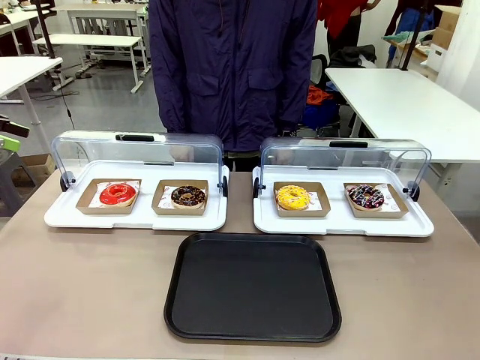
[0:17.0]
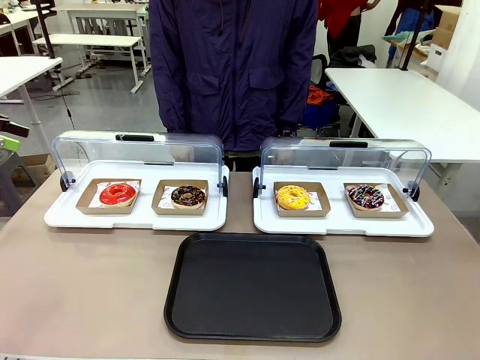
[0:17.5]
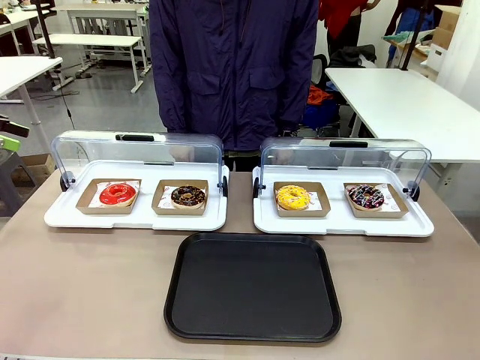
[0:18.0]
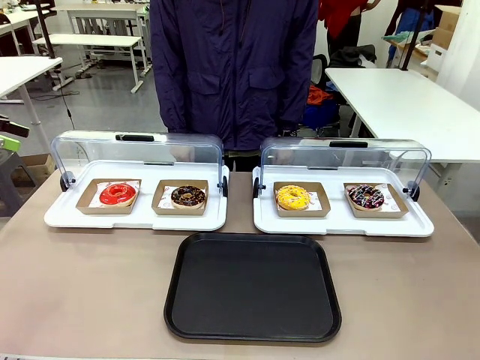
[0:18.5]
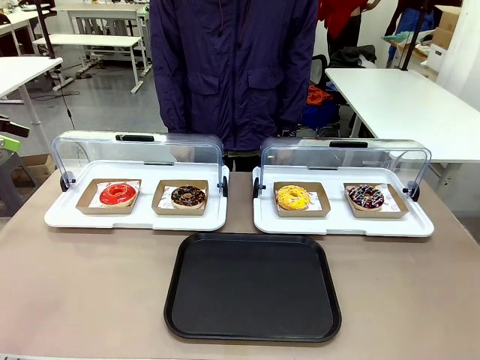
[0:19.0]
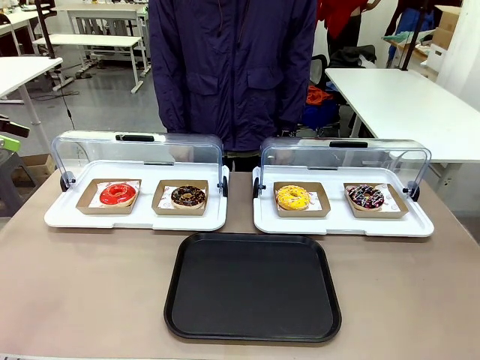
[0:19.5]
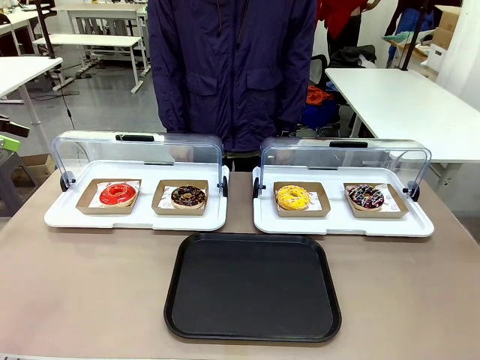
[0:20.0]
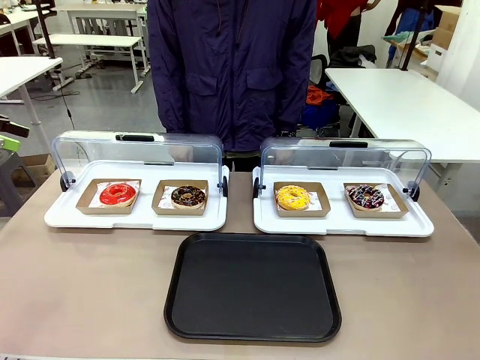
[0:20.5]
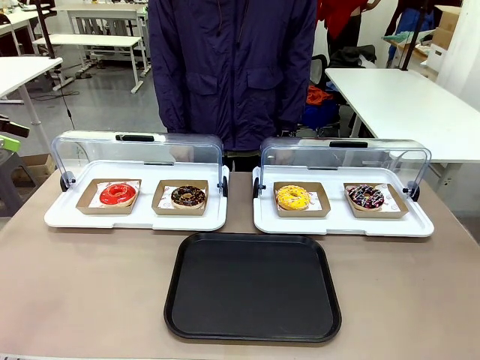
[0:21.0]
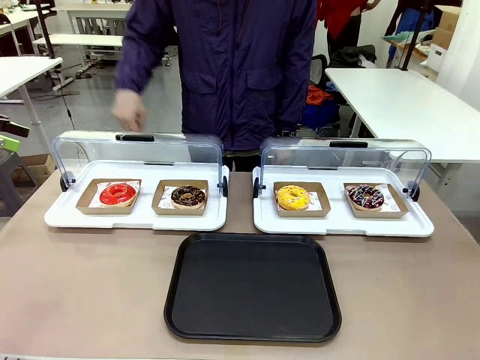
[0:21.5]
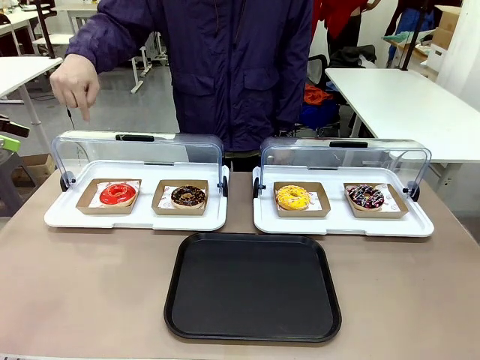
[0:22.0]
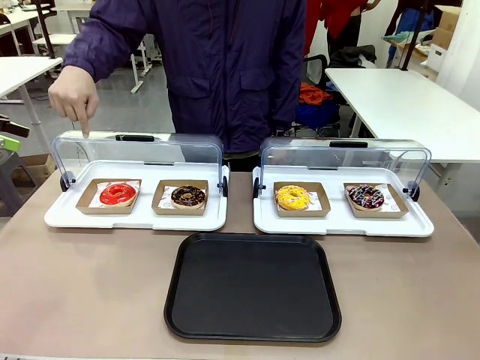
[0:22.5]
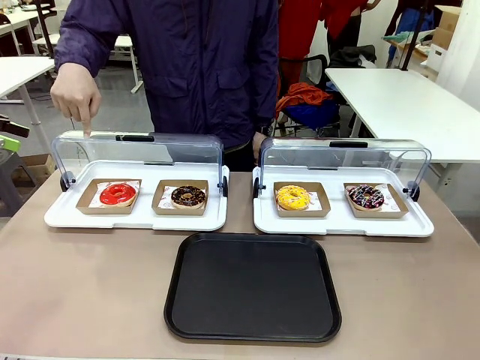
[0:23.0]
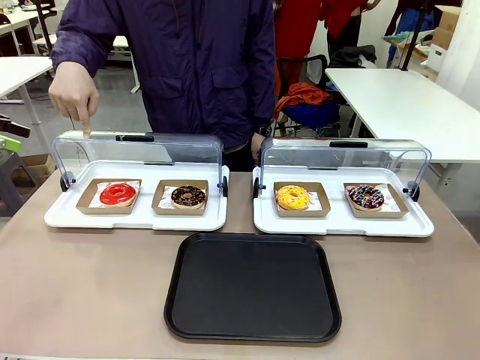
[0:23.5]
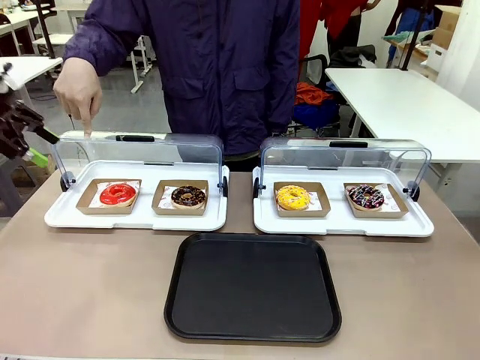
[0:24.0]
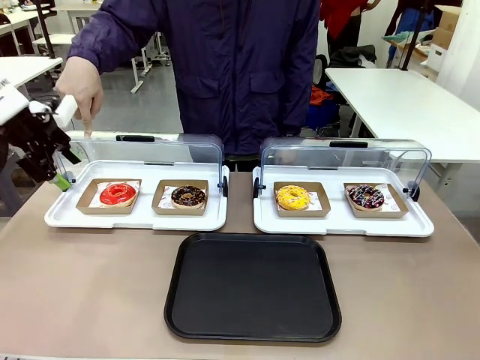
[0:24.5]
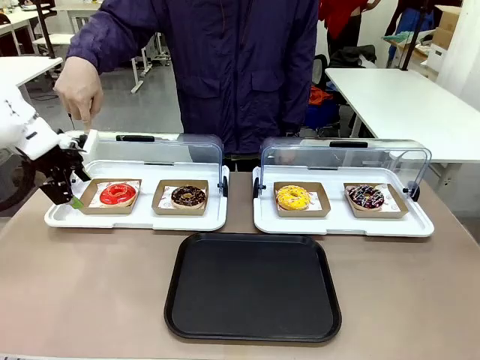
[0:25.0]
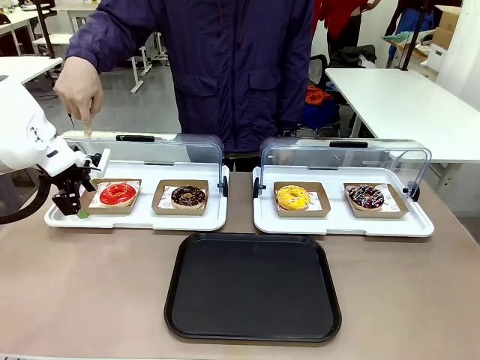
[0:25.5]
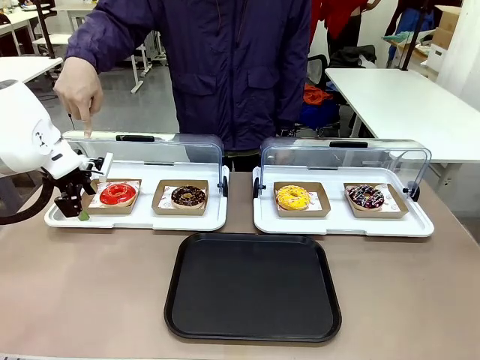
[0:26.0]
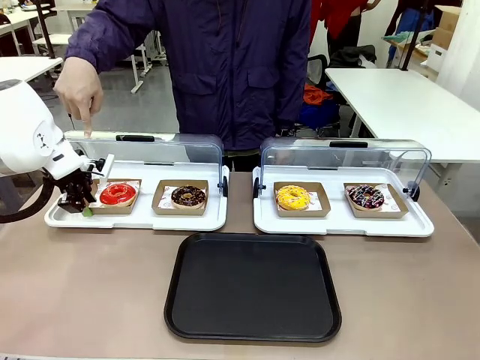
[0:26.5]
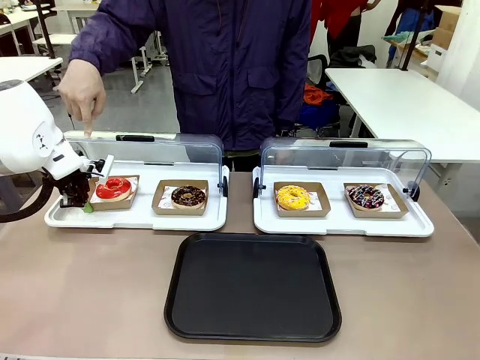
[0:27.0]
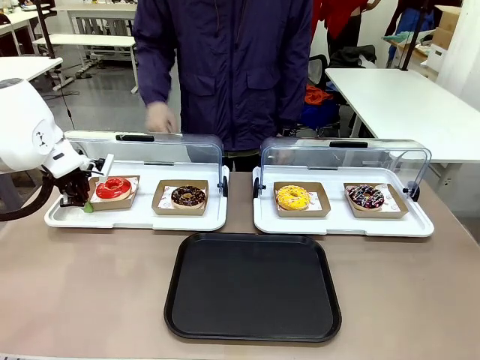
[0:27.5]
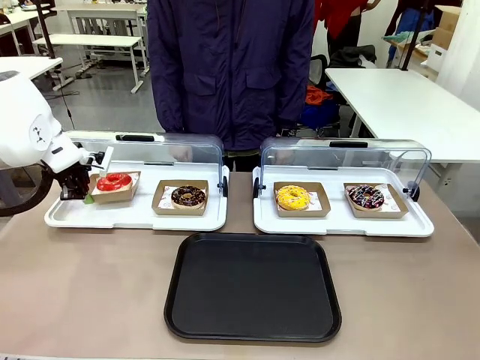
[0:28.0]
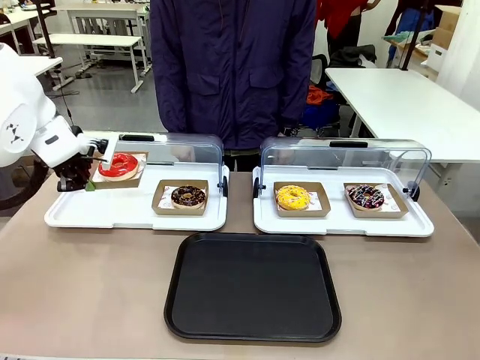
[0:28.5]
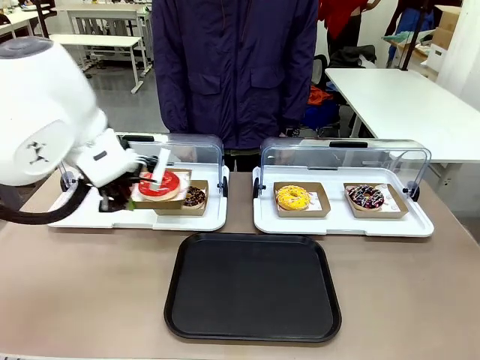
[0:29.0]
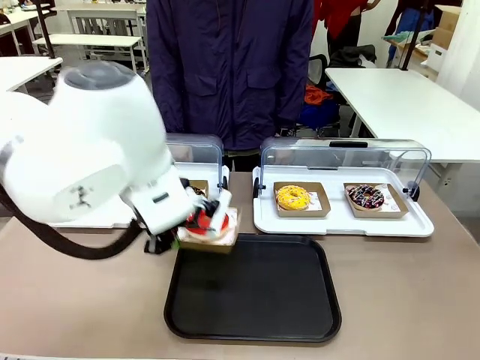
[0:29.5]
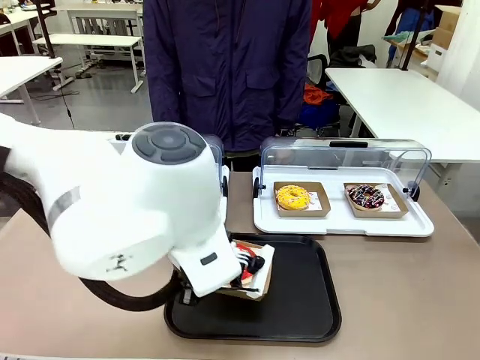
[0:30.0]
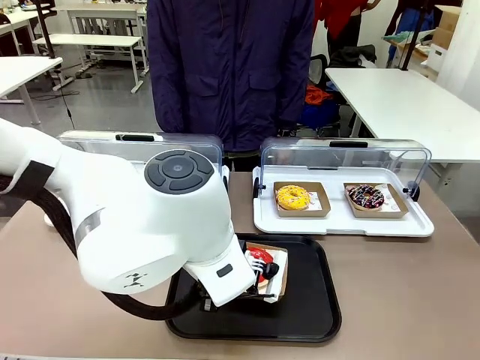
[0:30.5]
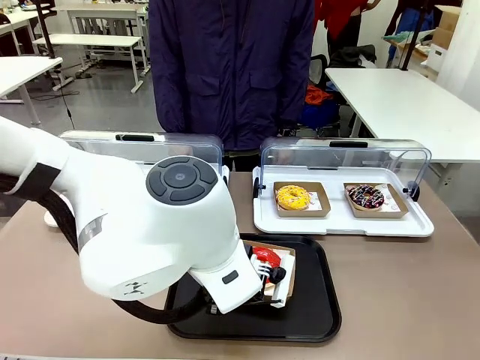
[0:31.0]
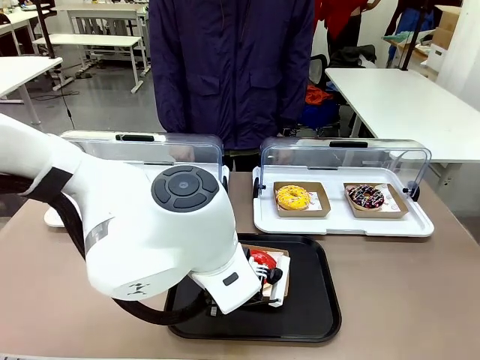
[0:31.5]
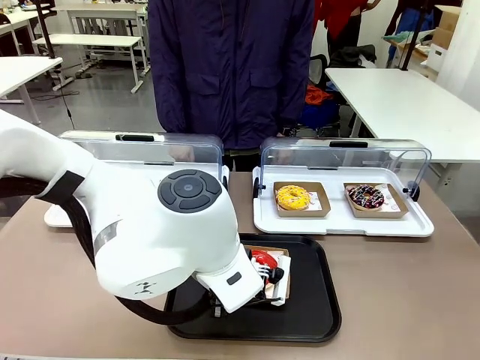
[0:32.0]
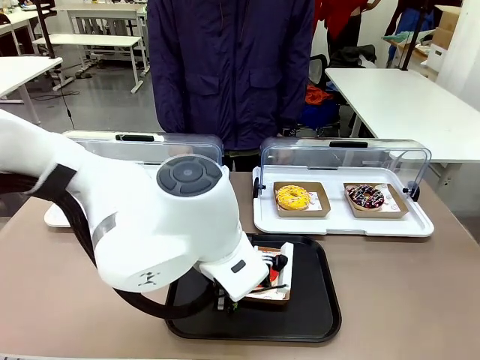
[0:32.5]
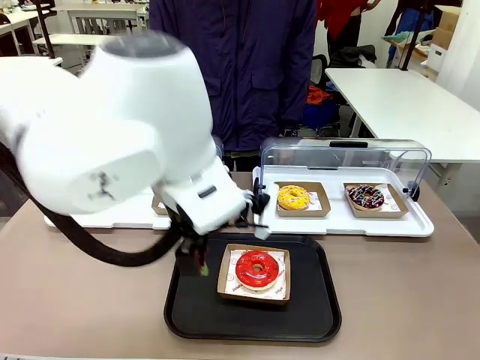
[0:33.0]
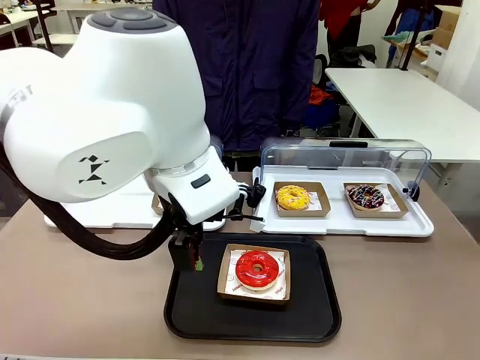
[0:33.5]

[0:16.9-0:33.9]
Task: Move the first donut from the left to the tray.
Robot: Pick up the Paper togo box containing the Donut indicated by the person and place it on the Handle tray.
Person: Points to the first donut from the left from the robot’s perspective.
